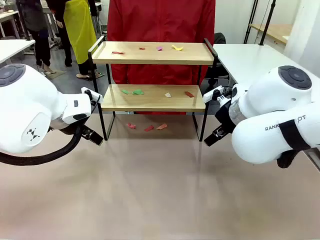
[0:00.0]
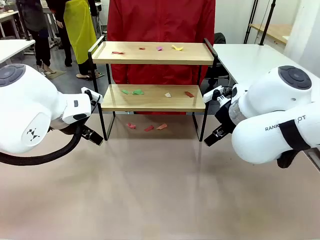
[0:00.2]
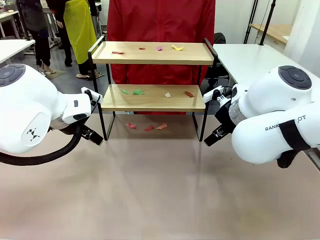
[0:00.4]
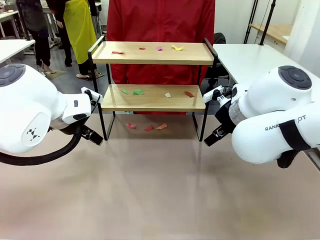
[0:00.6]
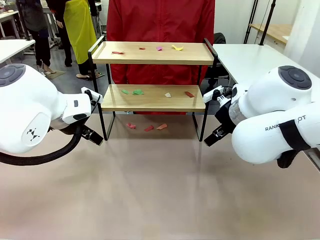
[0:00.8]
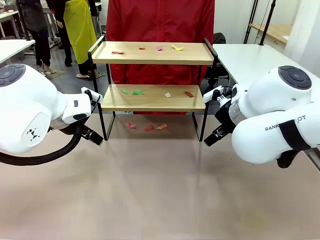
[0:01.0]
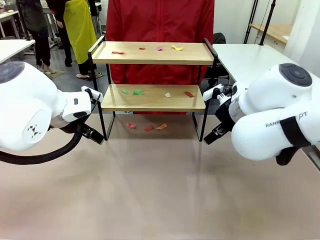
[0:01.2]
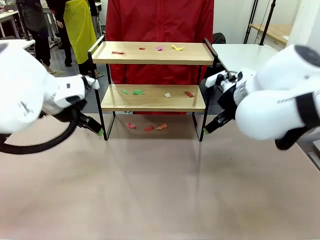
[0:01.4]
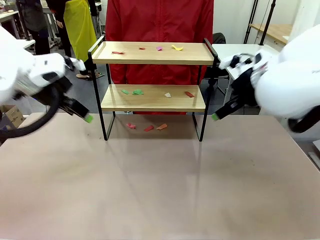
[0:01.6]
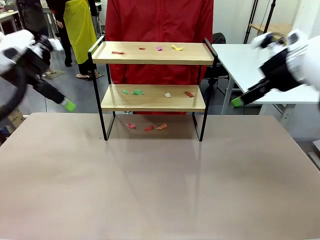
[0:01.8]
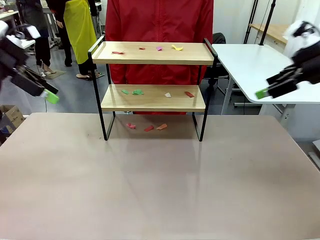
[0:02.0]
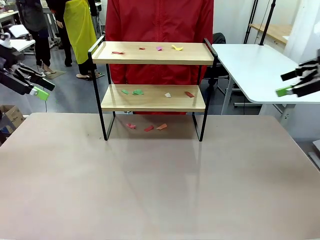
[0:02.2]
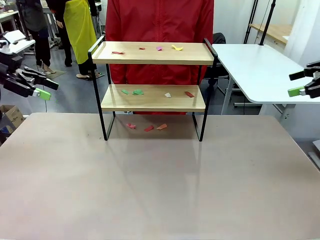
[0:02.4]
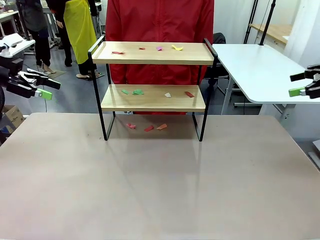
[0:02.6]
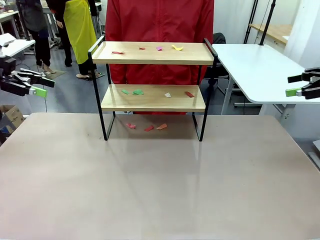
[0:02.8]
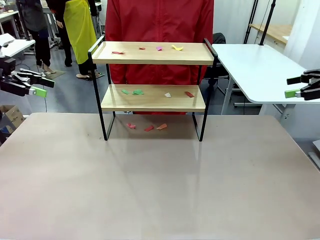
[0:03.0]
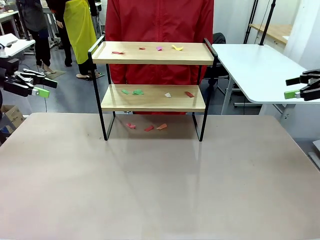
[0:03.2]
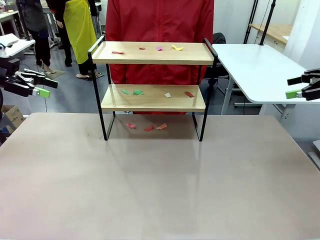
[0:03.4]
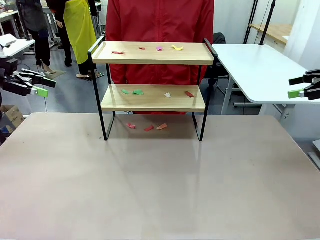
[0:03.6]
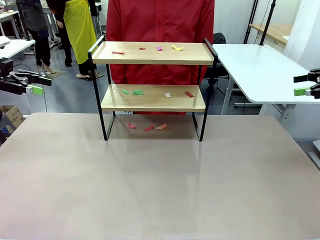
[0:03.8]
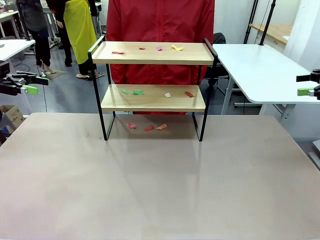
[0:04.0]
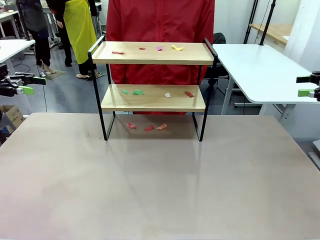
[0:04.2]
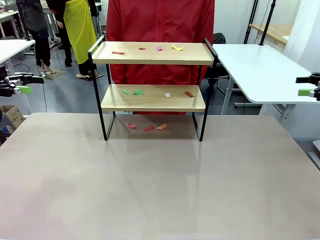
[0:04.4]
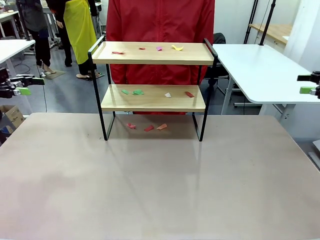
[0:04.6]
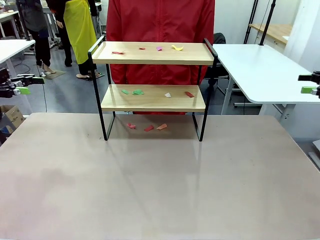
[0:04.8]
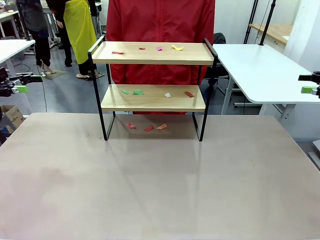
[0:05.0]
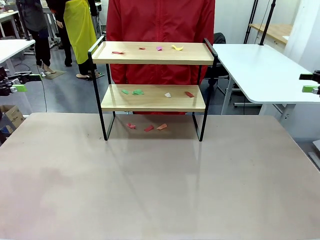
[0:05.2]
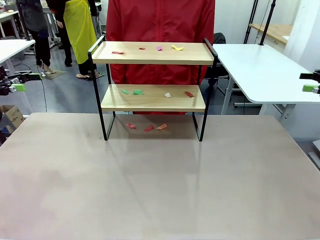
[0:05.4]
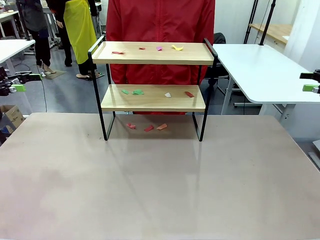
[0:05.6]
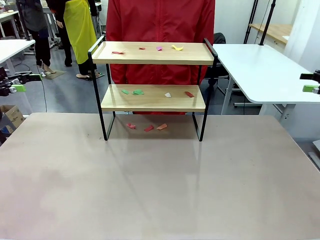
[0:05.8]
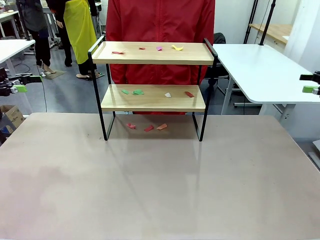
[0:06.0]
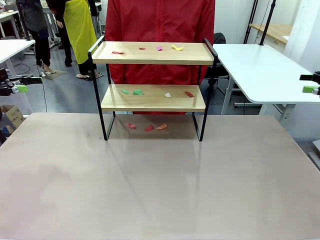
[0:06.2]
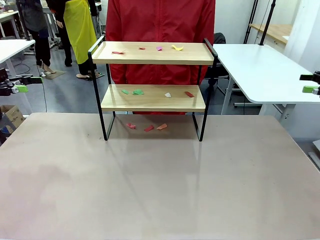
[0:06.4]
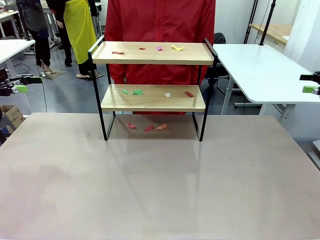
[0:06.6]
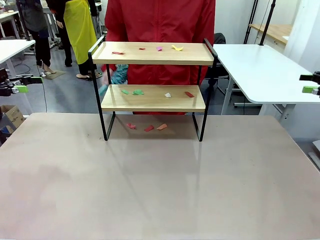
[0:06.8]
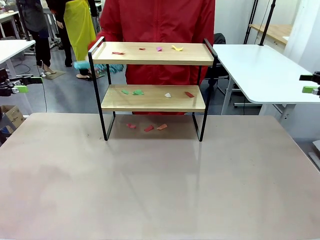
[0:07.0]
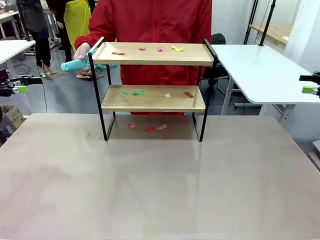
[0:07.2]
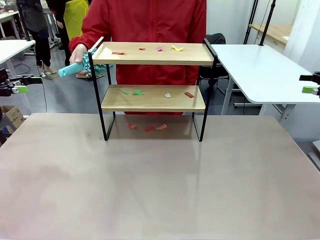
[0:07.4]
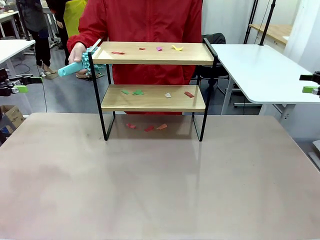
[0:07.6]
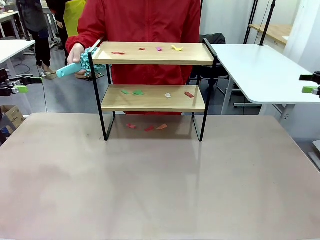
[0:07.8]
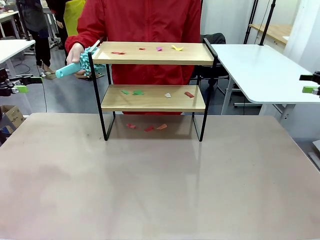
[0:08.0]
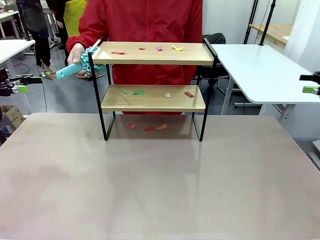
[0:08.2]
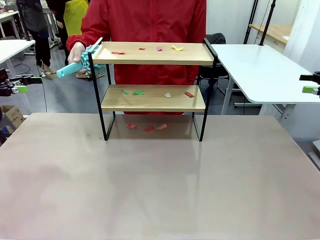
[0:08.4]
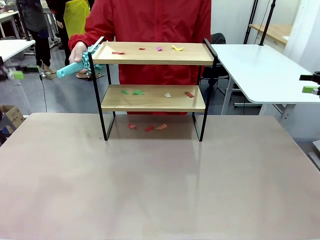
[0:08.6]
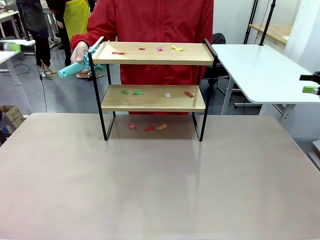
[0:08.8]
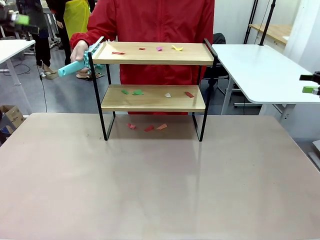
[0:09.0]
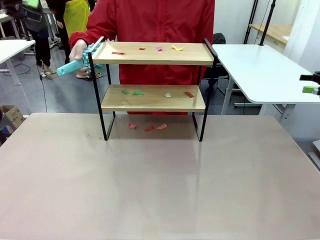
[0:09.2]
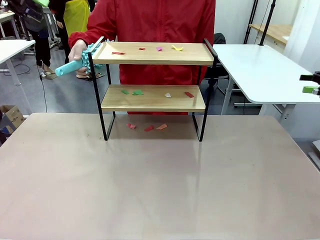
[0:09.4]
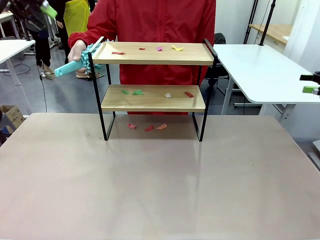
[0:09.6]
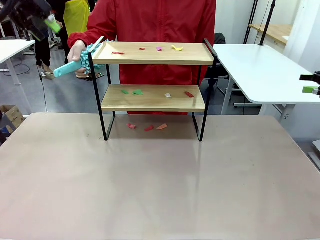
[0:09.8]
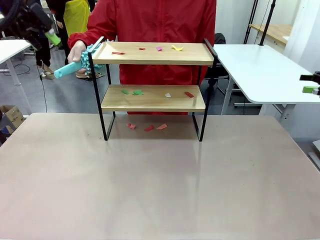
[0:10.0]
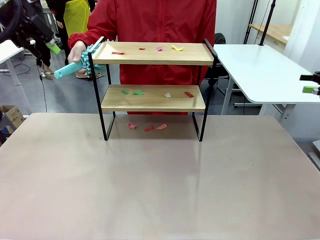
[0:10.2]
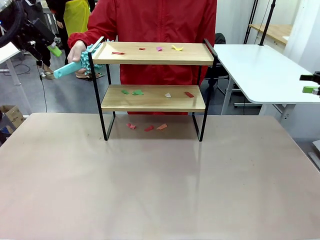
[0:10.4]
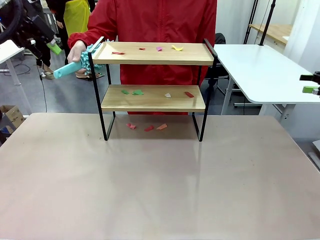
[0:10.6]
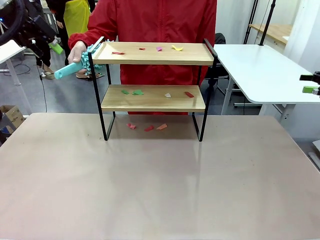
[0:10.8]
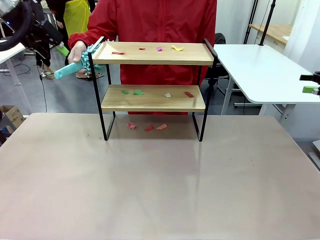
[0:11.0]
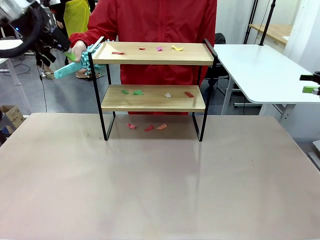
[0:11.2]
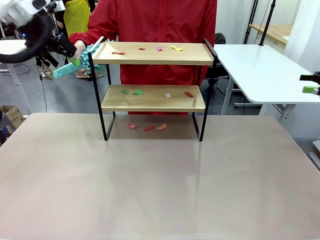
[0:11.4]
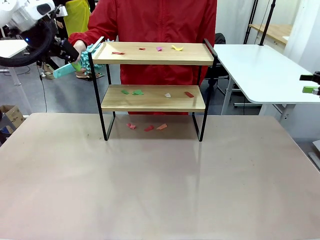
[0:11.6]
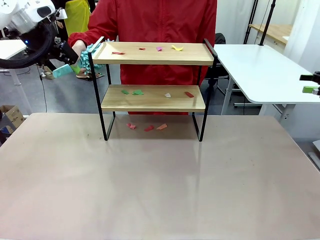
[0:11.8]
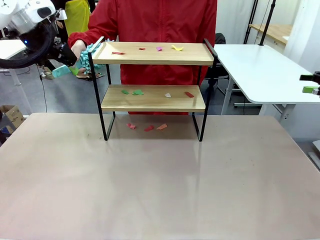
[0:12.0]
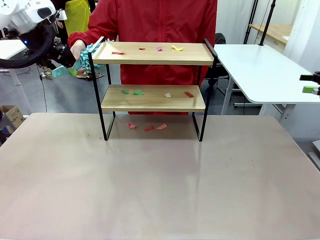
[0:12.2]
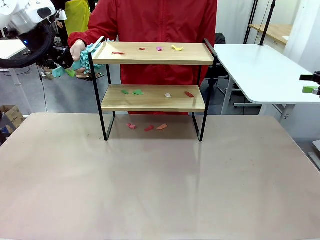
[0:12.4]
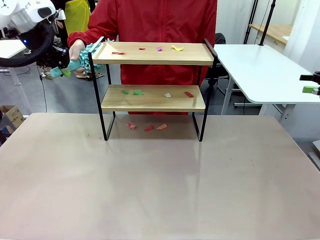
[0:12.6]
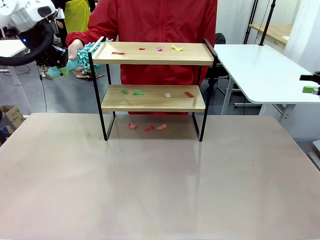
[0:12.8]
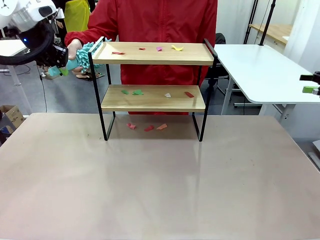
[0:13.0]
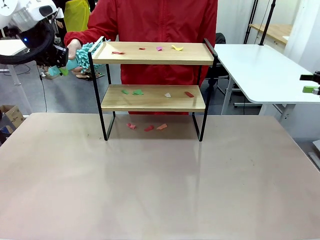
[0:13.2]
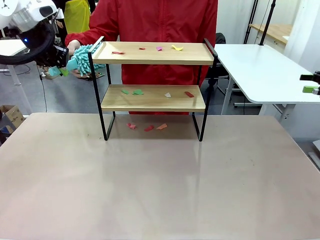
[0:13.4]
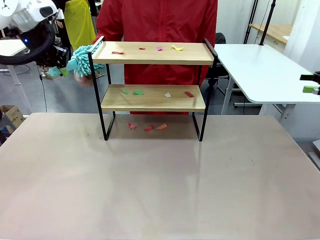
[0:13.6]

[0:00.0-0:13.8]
Task: Clean the shelf.
Robot: Pick up the Duster handed by the human.
Person: Hand the Duster to the robot.

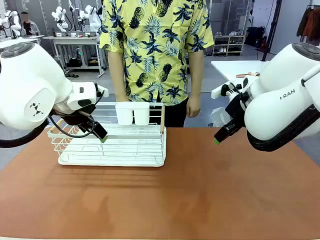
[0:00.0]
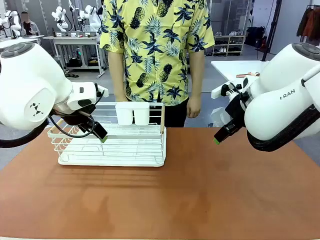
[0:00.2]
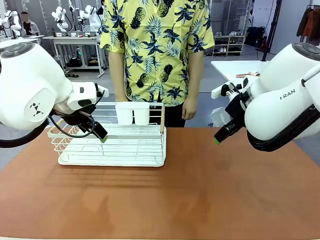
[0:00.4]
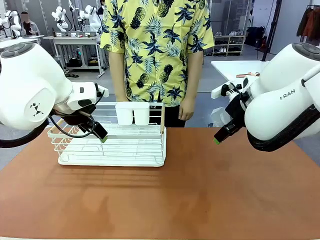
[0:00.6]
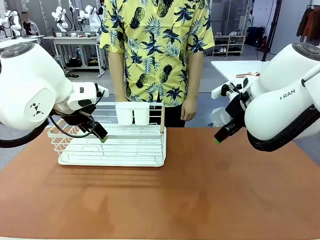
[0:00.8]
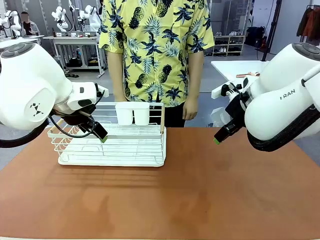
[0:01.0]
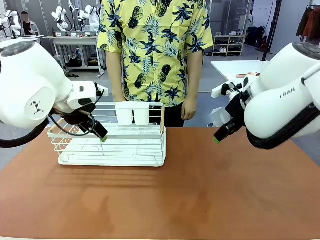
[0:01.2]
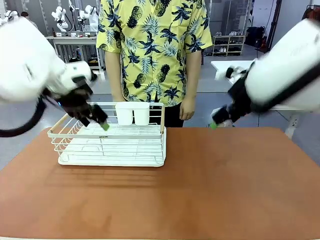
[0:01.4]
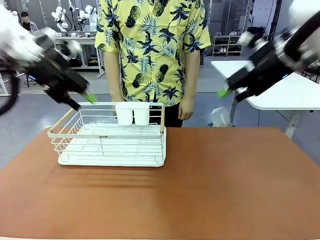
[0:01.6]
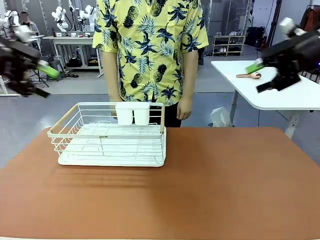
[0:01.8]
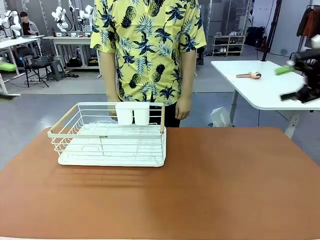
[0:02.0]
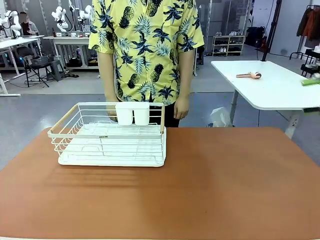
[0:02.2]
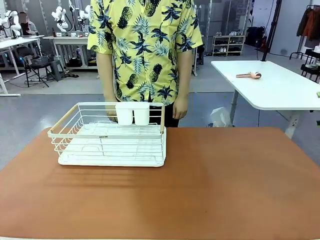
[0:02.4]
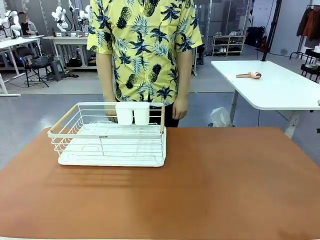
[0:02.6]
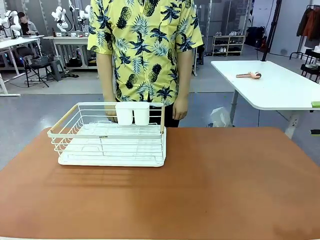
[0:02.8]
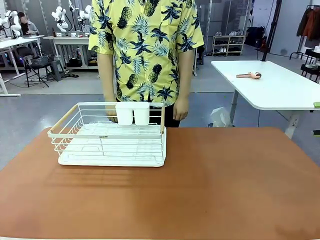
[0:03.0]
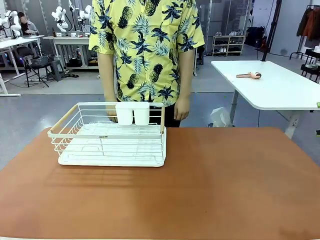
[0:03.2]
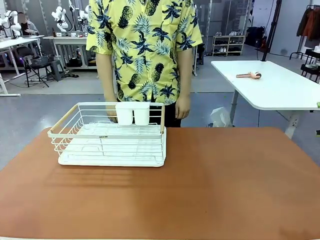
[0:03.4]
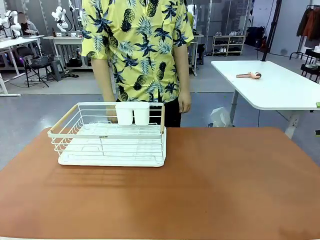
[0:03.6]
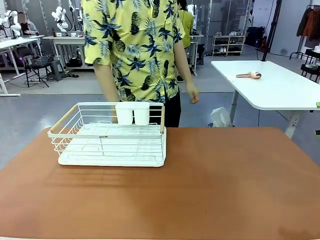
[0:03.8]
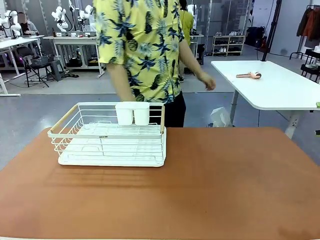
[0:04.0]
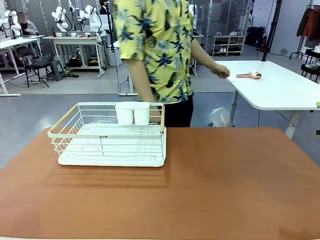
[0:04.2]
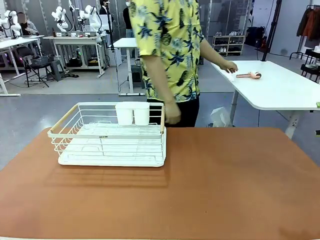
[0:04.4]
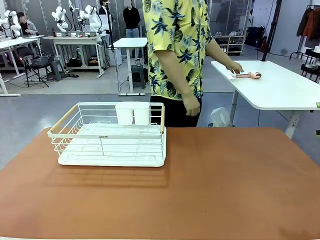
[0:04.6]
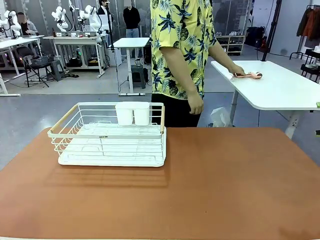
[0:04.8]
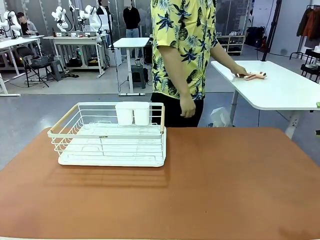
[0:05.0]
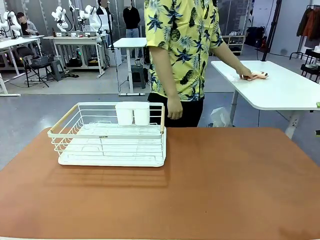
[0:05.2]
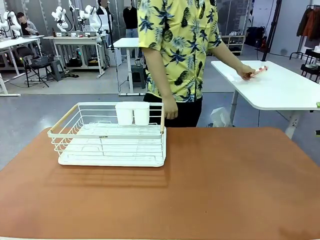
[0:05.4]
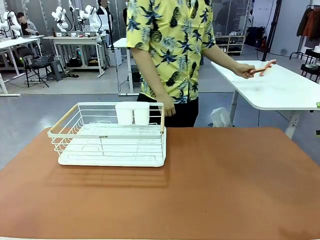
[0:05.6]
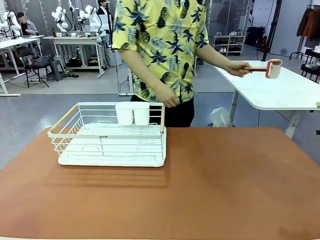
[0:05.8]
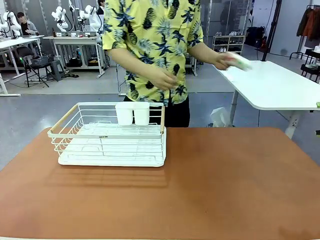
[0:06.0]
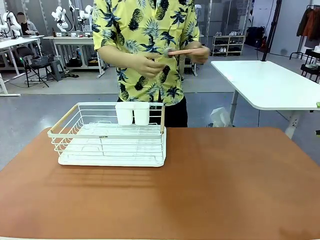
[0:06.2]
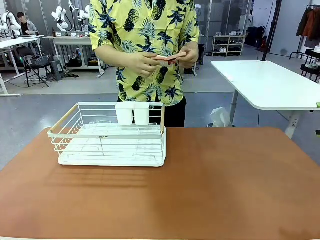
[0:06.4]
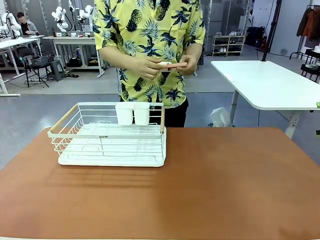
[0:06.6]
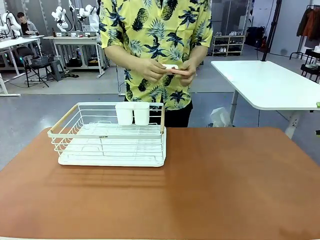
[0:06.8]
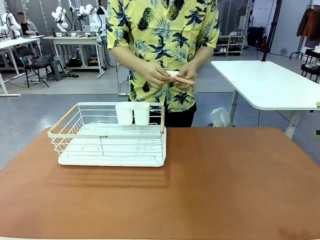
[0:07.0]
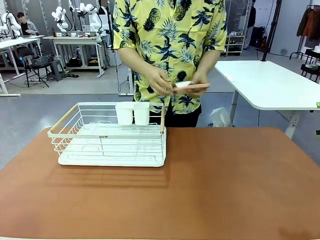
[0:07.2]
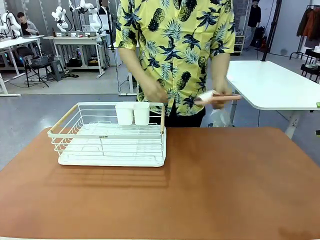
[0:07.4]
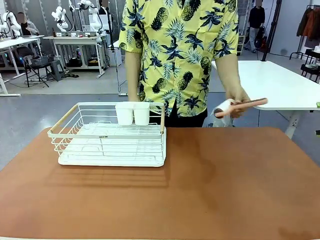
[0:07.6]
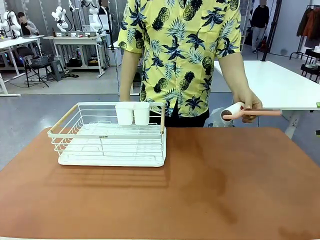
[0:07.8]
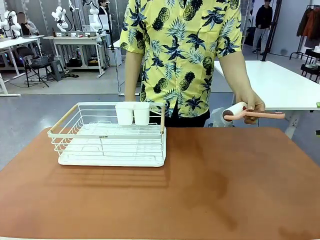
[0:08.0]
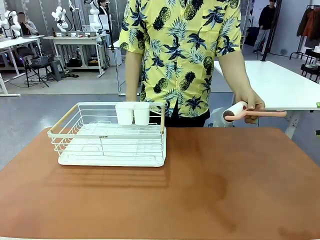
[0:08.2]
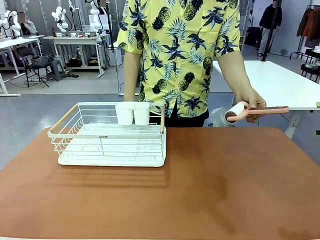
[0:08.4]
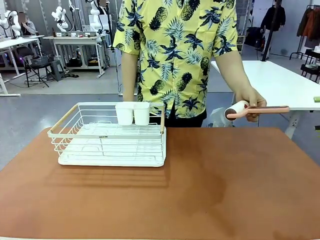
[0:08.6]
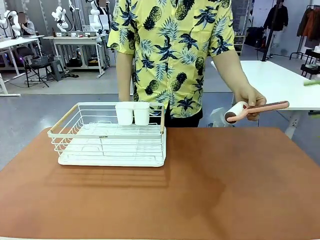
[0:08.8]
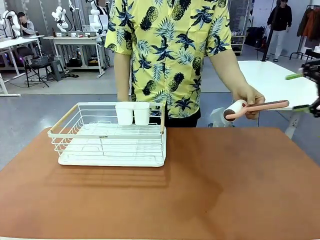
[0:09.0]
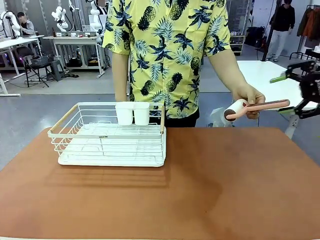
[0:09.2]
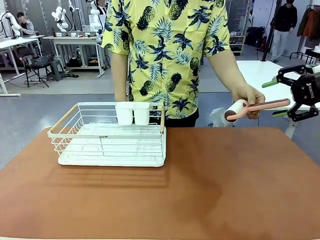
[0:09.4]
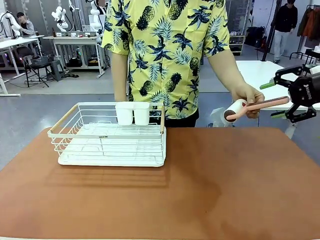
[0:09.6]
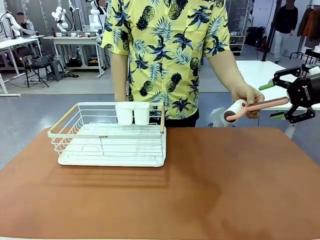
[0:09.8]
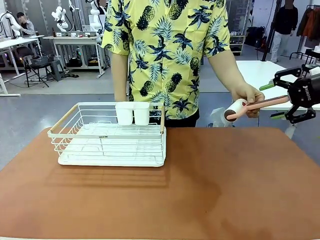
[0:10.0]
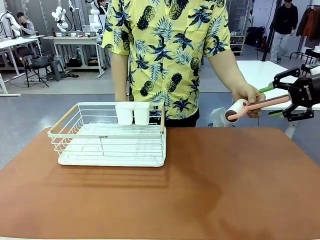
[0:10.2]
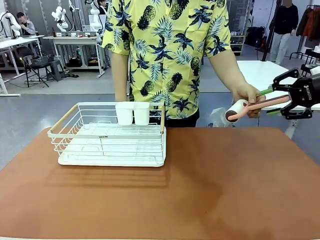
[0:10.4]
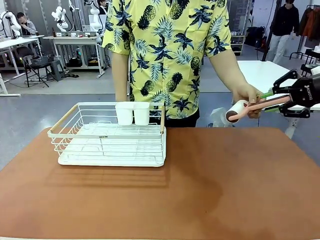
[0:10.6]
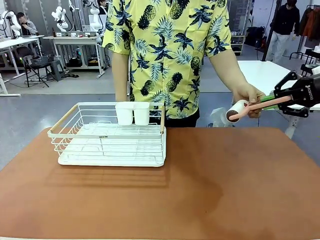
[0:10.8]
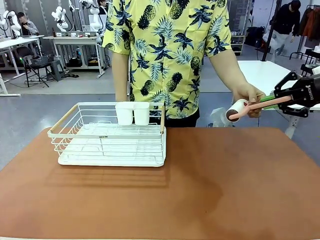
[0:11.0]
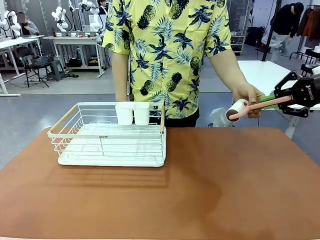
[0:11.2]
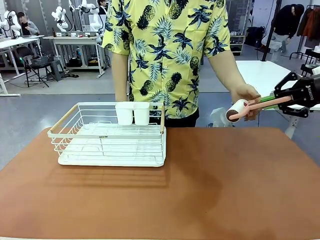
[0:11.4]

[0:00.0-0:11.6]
Task: Clean the table.
Robot: Pick up the Lint Roller when the human hands it over.
Person: Hand the Lint Roller to the robot so it can easily pick it up. Lift the Dish drying rack.
